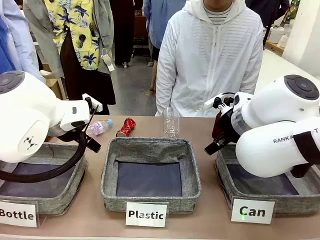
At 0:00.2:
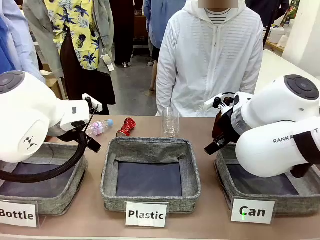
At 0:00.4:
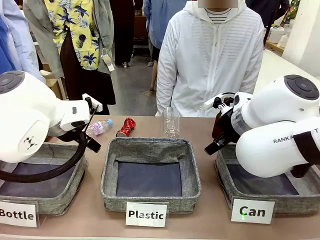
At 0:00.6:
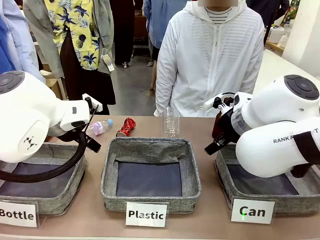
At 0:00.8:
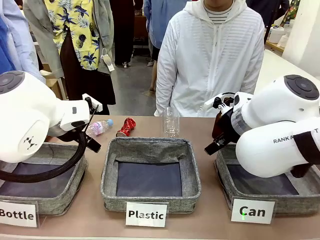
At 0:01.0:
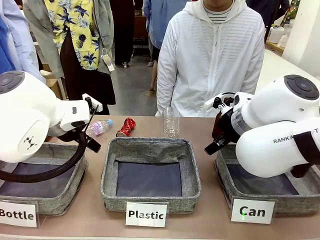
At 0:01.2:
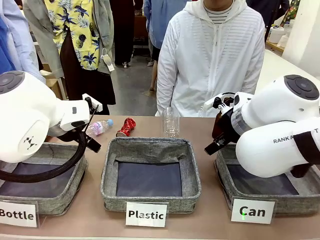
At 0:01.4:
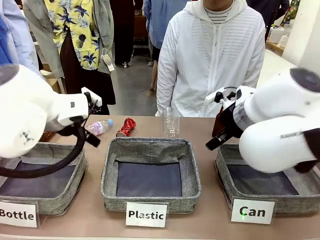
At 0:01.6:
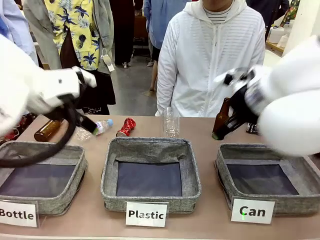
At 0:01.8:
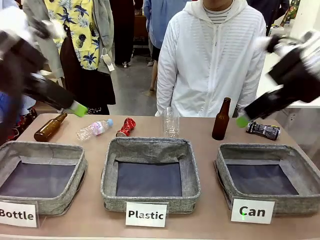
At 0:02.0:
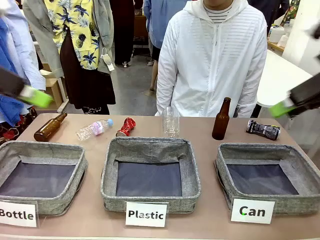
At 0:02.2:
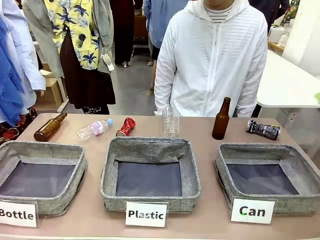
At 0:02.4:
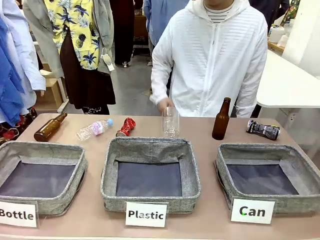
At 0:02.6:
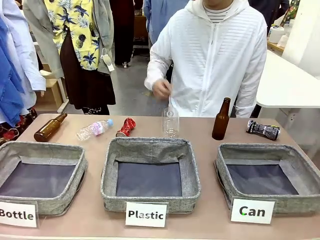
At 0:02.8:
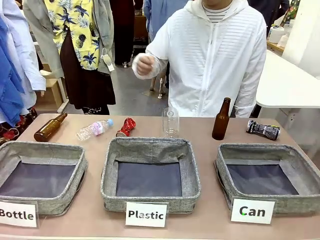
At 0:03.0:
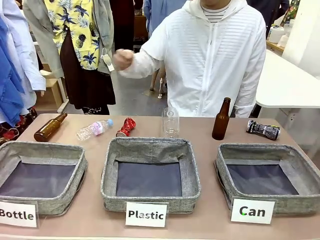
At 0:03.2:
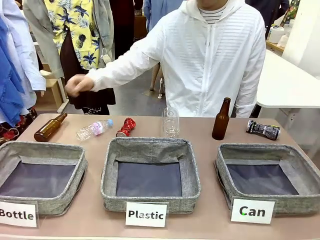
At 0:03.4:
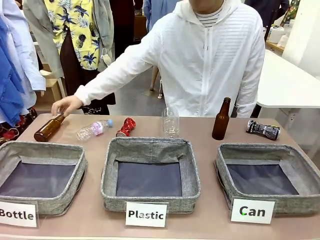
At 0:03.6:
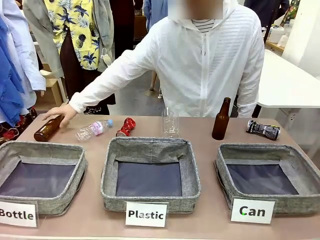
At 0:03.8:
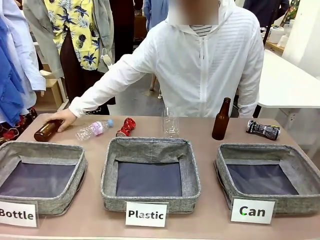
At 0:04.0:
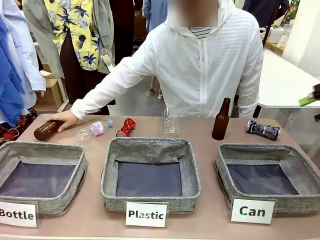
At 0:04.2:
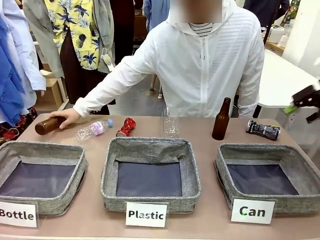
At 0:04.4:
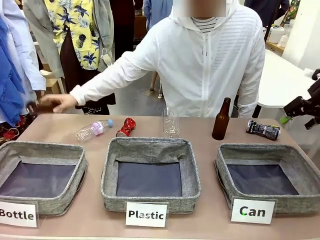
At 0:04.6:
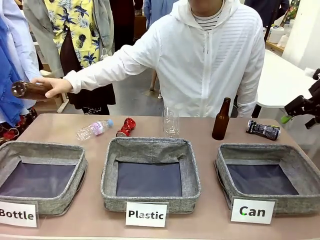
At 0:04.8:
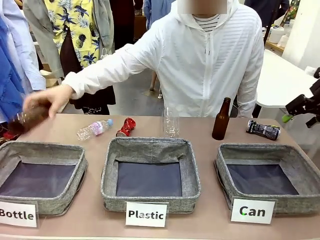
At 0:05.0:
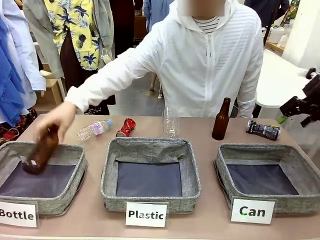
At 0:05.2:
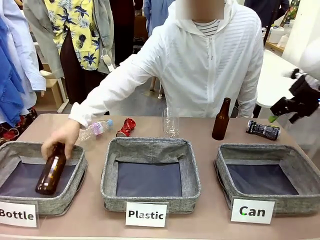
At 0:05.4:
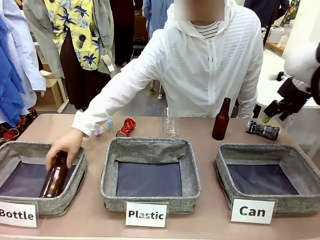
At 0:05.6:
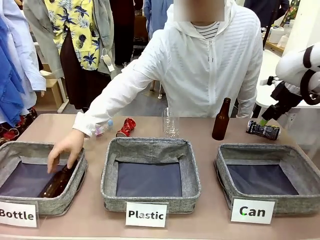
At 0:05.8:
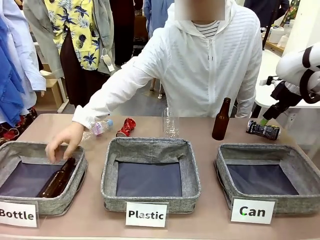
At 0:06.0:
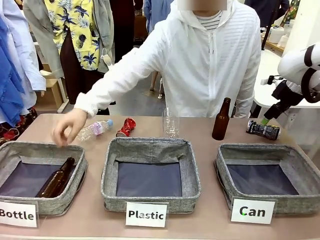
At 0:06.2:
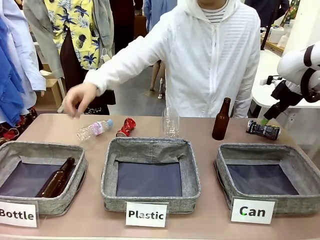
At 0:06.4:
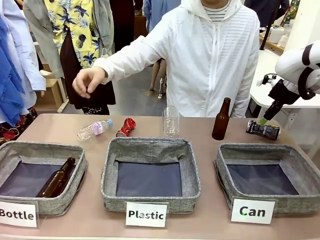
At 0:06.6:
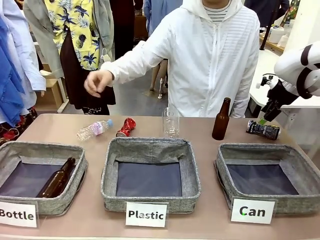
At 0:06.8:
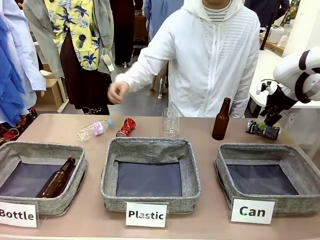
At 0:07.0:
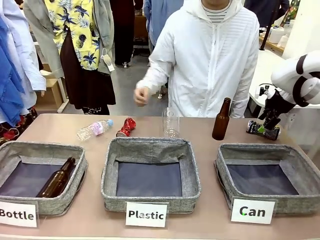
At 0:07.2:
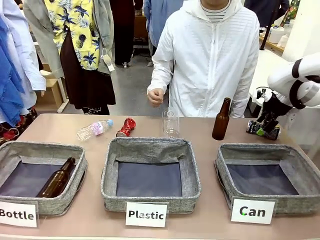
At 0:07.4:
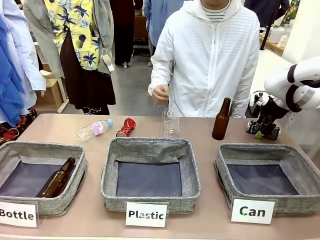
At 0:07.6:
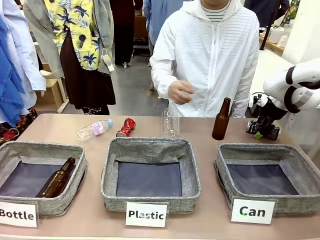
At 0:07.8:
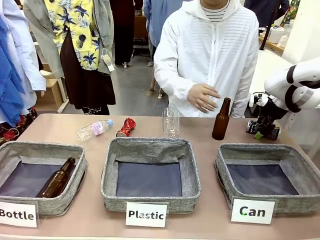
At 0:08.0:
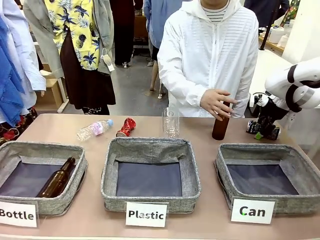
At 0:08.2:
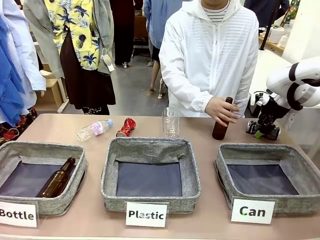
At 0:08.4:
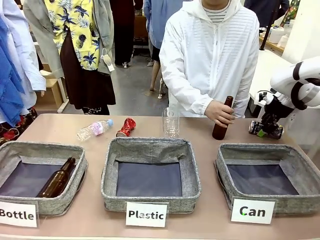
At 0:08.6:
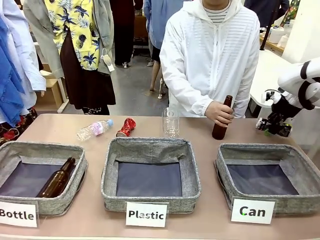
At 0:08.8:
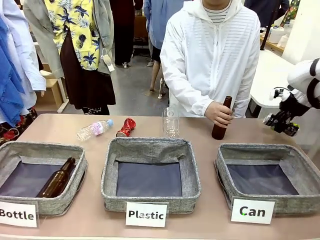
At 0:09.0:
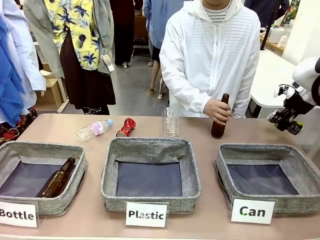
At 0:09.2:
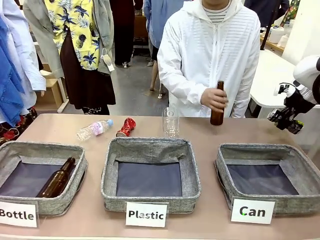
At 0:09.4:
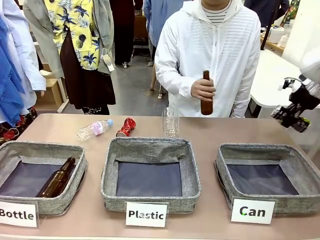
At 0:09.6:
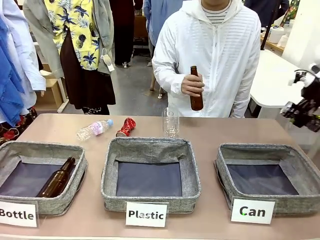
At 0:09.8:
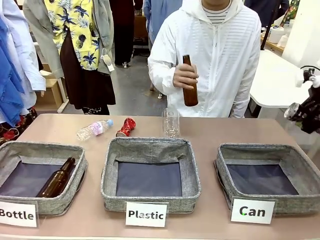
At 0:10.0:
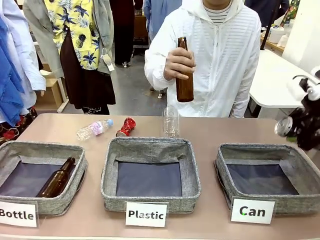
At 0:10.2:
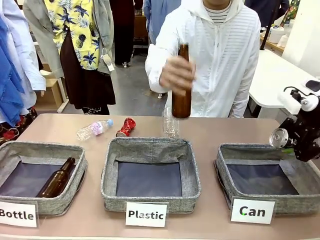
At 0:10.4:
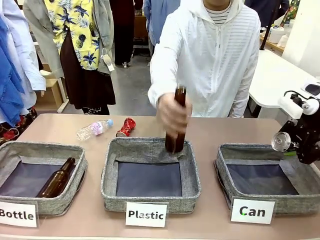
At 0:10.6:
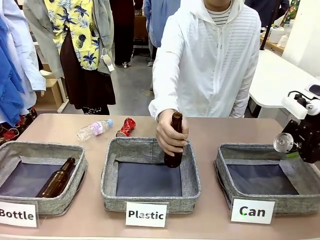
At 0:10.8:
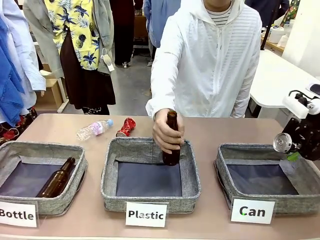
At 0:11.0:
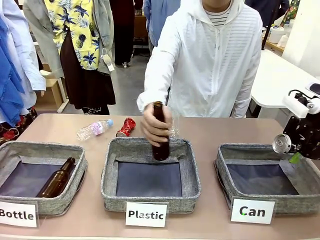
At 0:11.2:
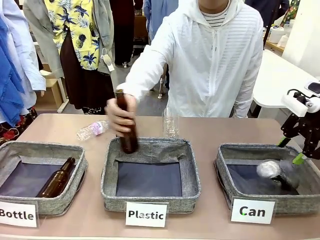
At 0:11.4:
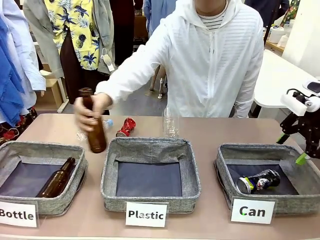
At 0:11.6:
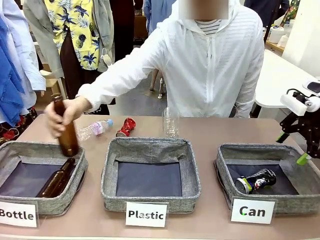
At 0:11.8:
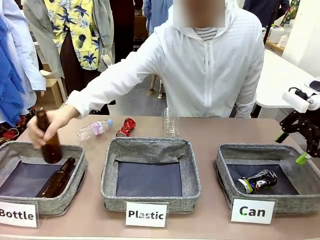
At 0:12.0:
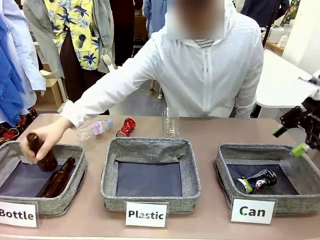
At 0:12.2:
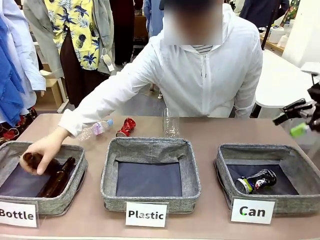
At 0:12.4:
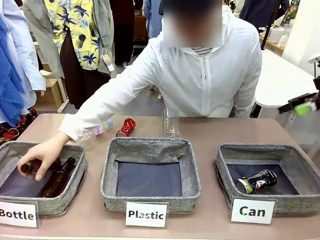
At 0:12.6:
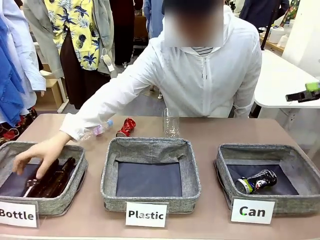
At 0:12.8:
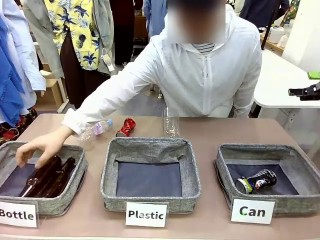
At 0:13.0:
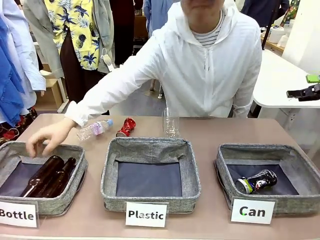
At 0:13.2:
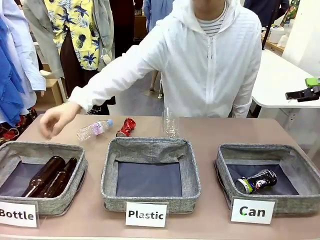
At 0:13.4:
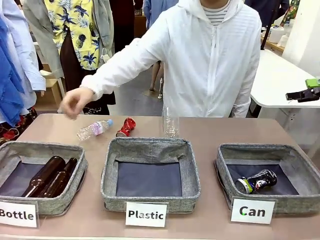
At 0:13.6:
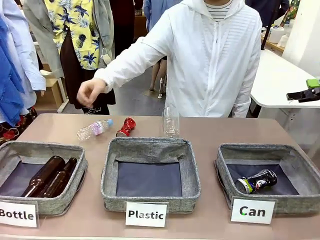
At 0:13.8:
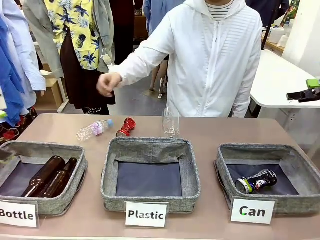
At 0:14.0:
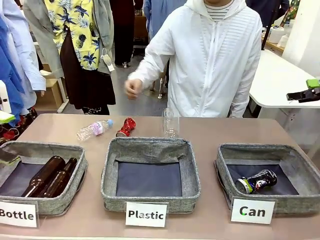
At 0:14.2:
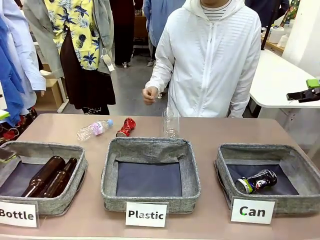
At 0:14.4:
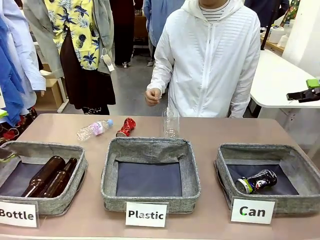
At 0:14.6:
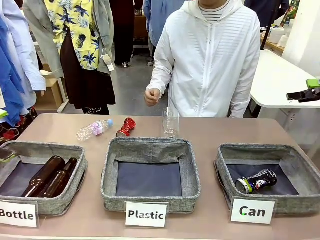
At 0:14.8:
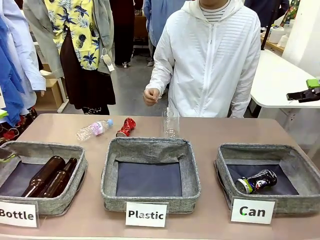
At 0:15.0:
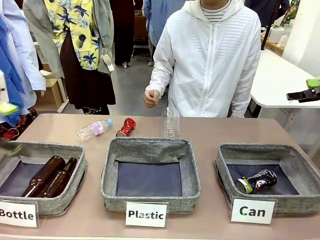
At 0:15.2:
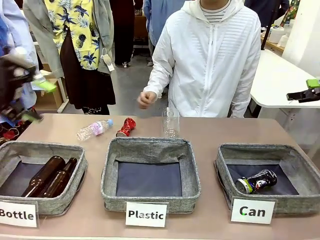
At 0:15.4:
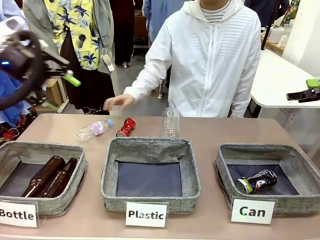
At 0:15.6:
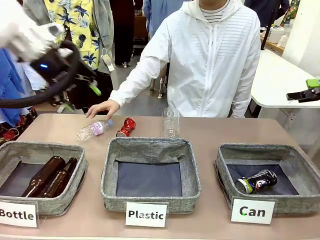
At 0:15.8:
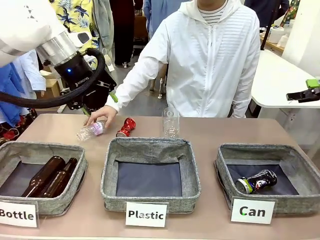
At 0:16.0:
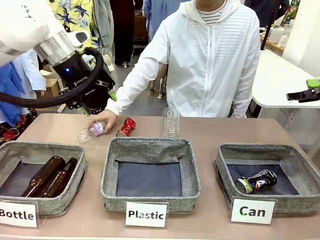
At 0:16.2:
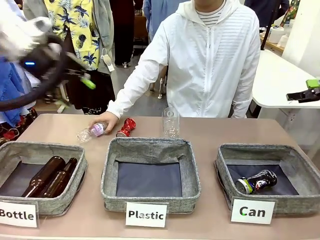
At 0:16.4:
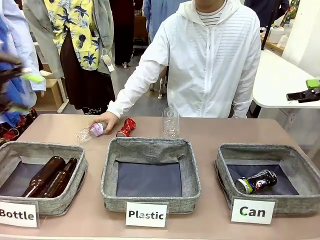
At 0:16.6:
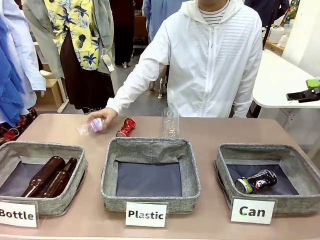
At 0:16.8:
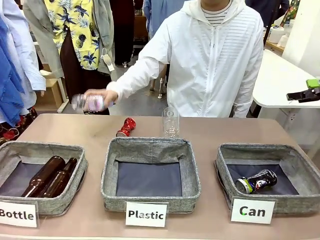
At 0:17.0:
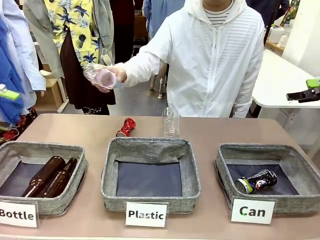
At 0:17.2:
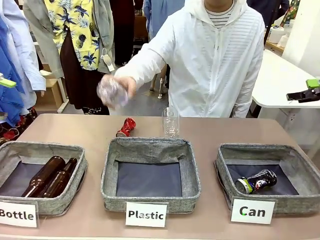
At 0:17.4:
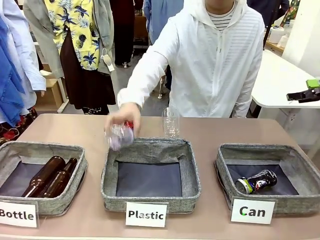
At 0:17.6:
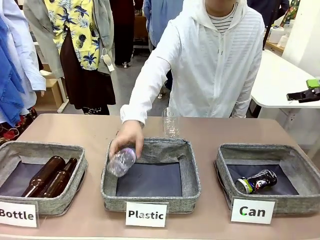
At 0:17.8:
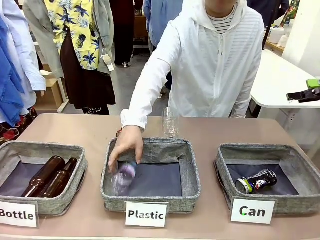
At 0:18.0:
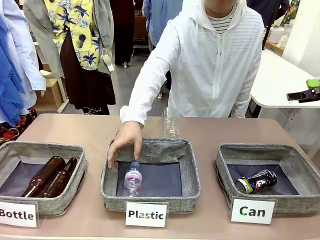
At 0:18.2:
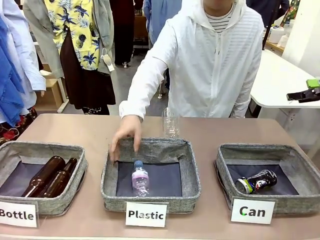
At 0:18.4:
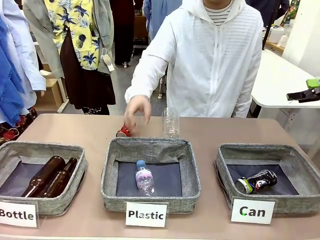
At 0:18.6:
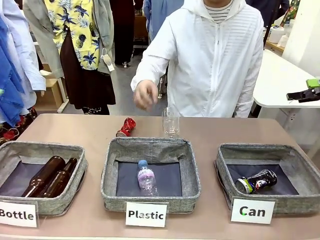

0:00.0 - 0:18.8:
Task: Sort the can waste into the basket.
Robot: Pick up the can waste from the table and place it in the right Fabric basket.
